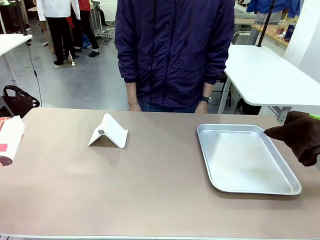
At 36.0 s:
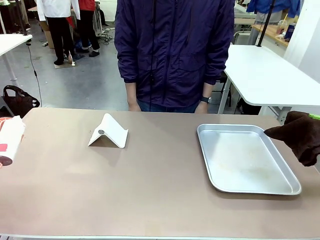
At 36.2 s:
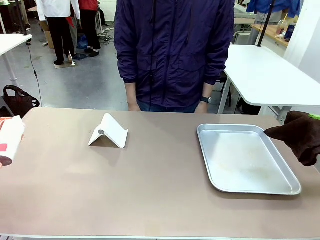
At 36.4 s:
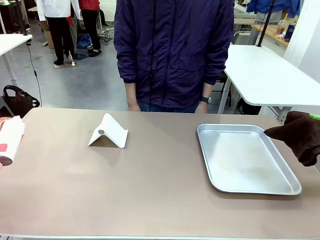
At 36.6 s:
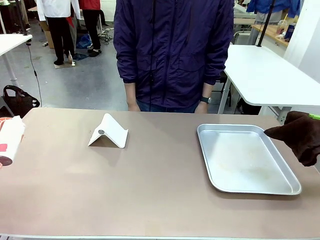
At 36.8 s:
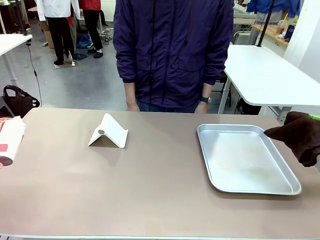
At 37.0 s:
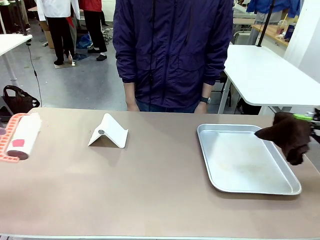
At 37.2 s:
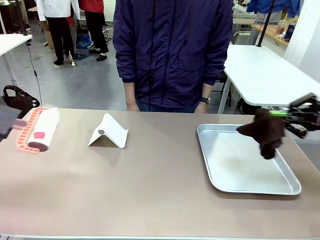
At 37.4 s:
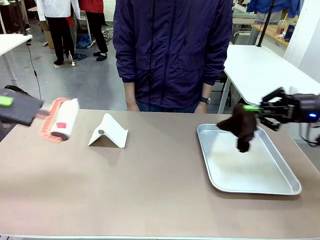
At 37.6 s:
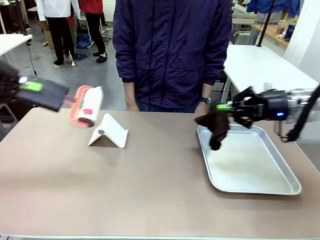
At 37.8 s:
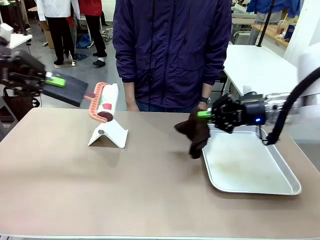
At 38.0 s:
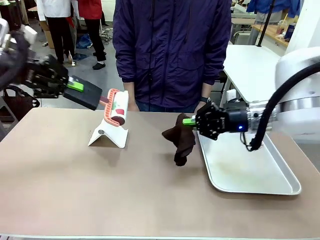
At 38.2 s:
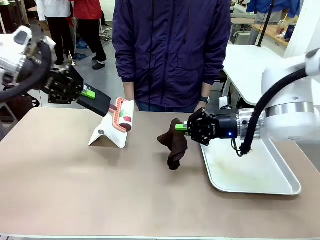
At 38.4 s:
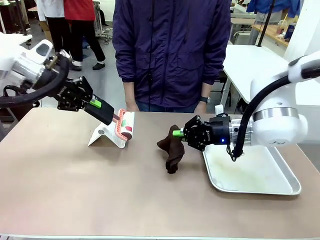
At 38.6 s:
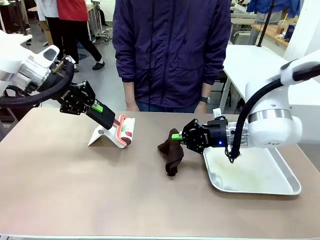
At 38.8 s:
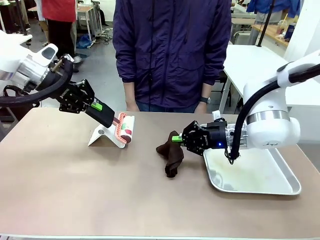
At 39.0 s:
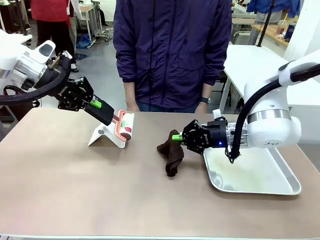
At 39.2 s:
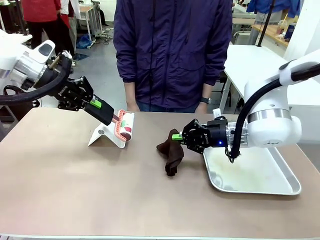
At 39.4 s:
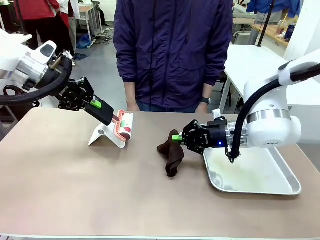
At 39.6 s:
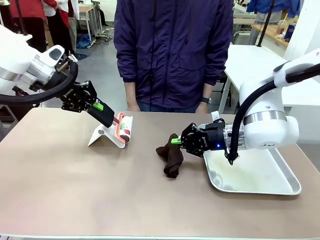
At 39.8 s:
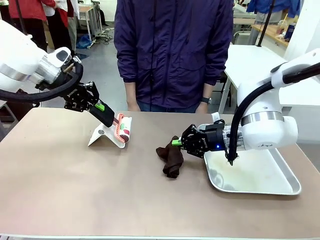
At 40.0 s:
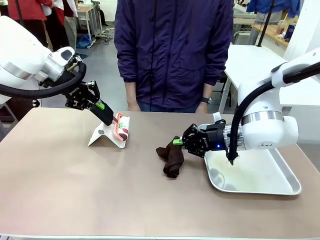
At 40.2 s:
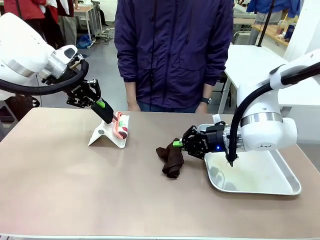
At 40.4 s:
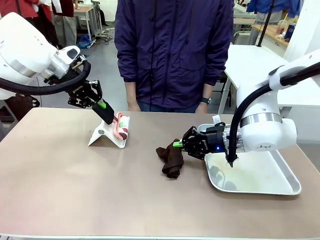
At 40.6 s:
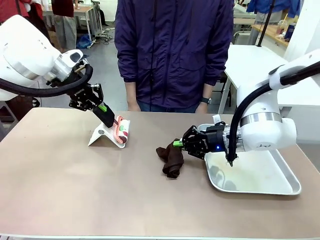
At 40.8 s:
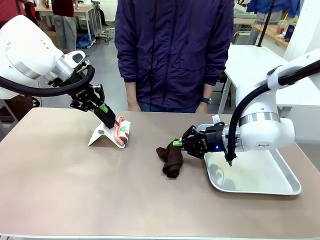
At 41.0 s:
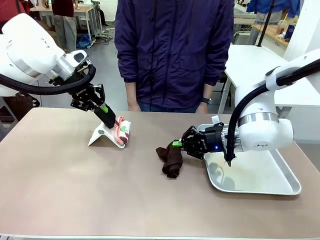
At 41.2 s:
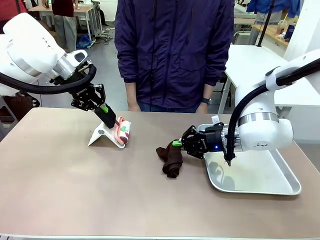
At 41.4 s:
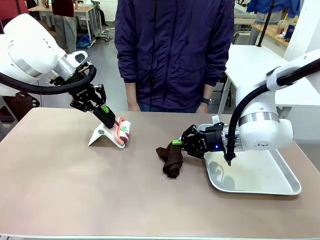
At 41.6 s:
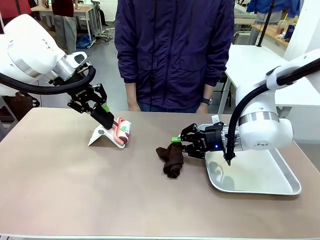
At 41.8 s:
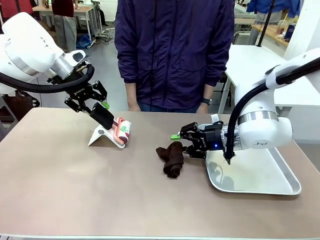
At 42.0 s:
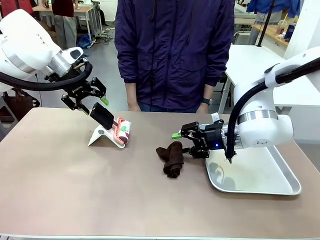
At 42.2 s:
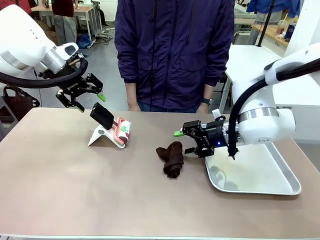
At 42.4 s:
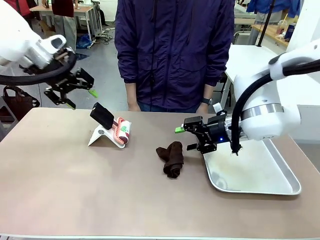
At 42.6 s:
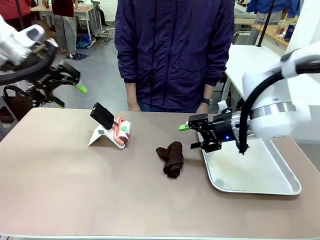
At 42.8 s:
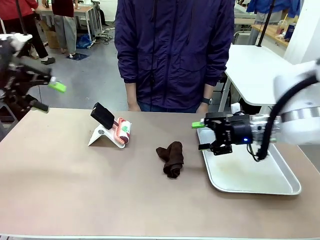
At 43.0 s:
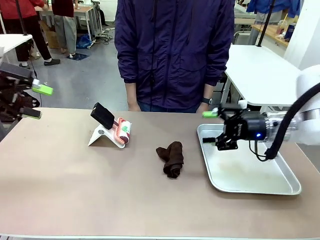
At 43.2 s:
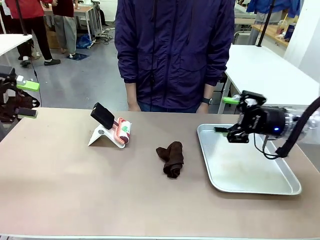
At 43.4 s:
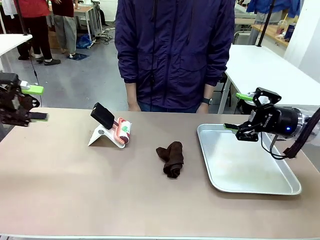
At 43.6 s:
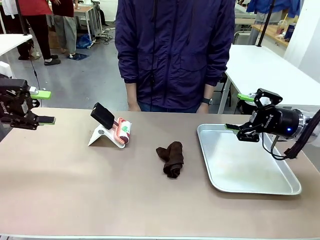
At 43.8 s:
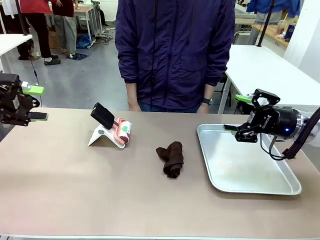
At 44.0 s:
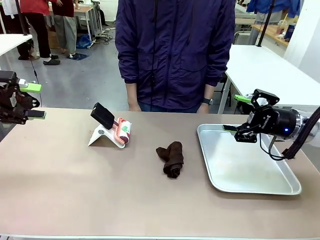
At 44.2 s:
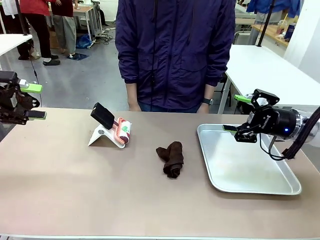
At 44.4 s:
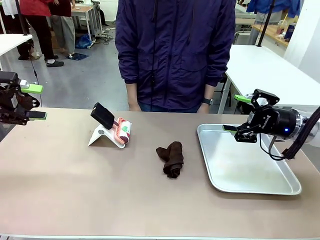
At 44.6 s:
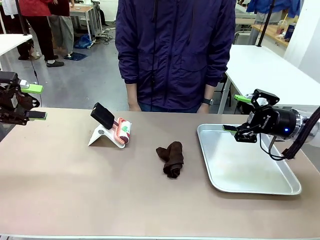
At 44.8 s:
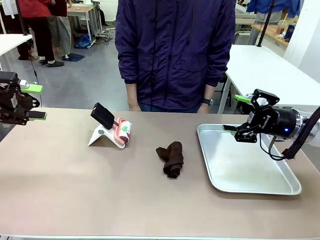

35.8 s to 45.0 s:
Task: Clean the surface of the table.
Robot: Return the Lint Roller and towel to their original positions.

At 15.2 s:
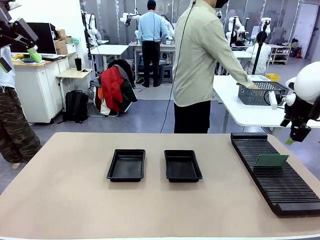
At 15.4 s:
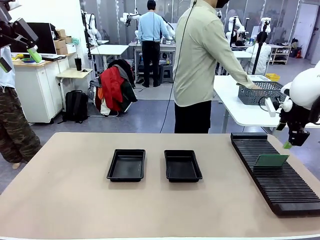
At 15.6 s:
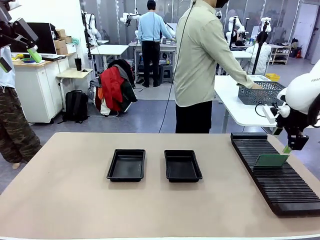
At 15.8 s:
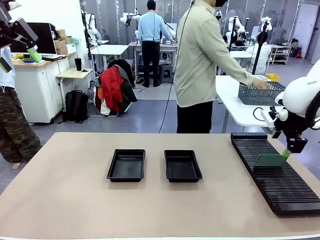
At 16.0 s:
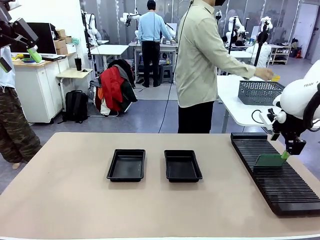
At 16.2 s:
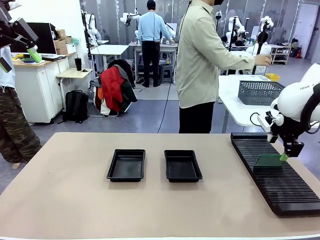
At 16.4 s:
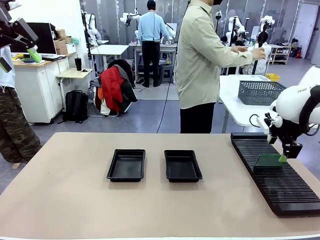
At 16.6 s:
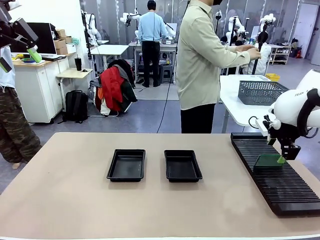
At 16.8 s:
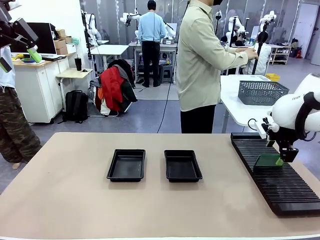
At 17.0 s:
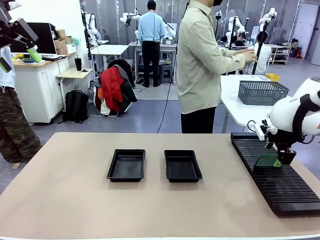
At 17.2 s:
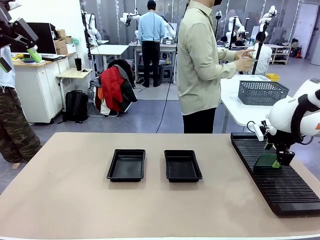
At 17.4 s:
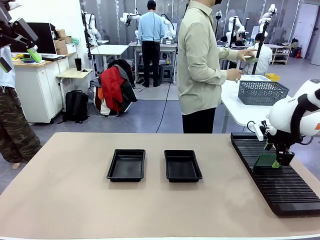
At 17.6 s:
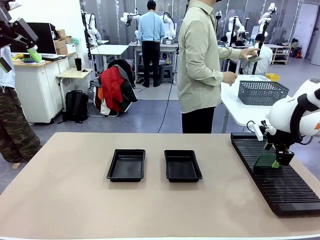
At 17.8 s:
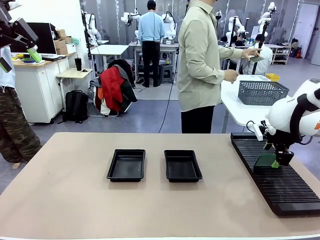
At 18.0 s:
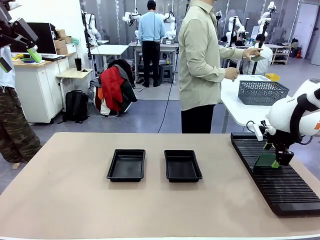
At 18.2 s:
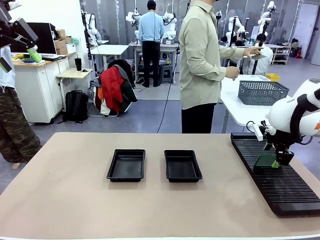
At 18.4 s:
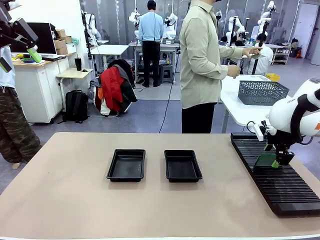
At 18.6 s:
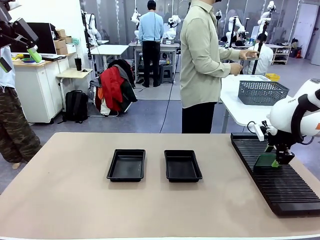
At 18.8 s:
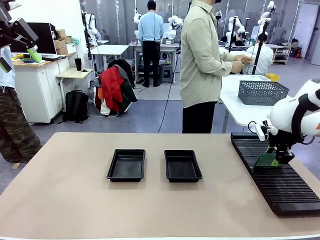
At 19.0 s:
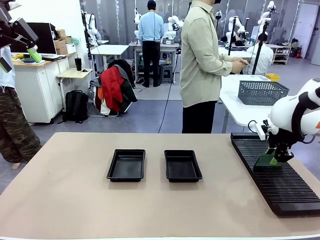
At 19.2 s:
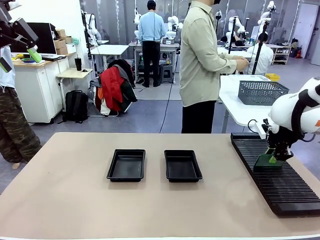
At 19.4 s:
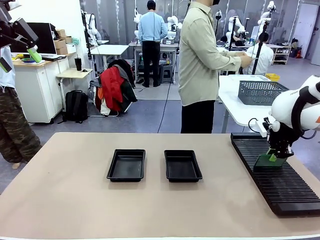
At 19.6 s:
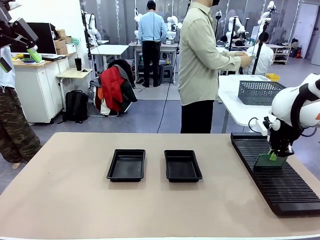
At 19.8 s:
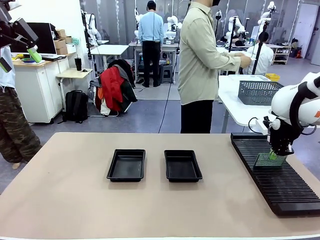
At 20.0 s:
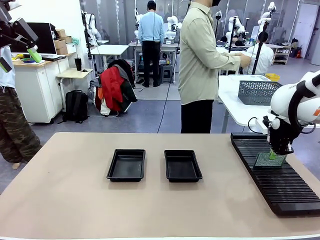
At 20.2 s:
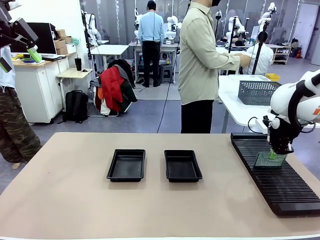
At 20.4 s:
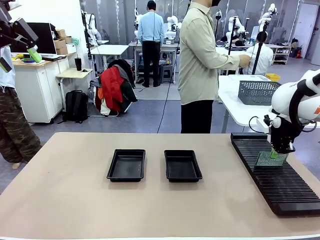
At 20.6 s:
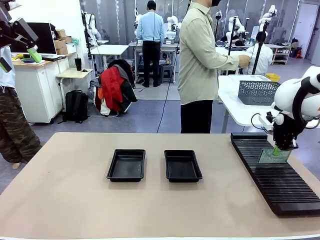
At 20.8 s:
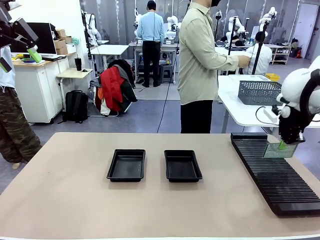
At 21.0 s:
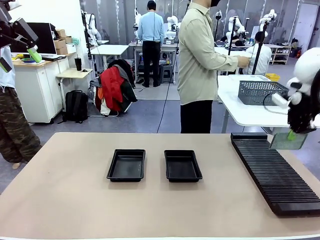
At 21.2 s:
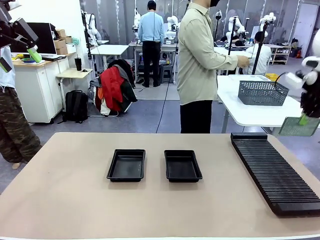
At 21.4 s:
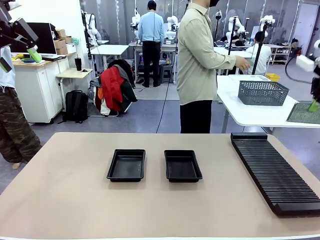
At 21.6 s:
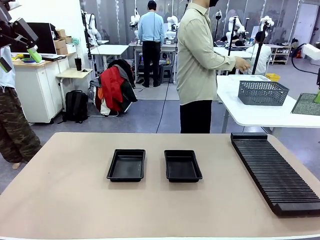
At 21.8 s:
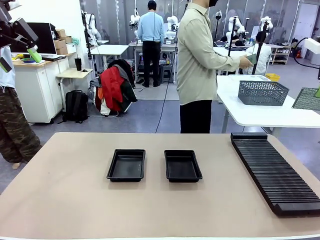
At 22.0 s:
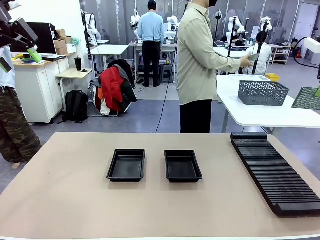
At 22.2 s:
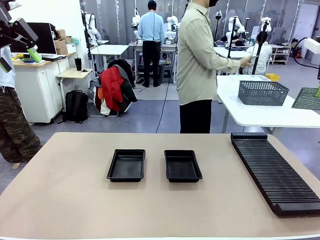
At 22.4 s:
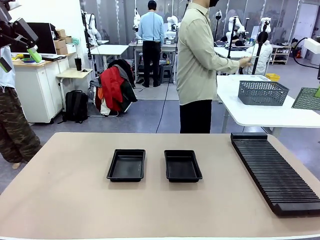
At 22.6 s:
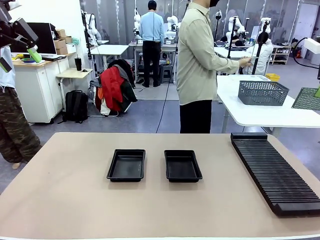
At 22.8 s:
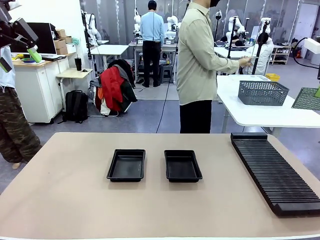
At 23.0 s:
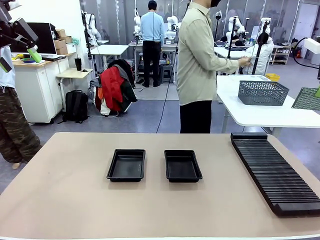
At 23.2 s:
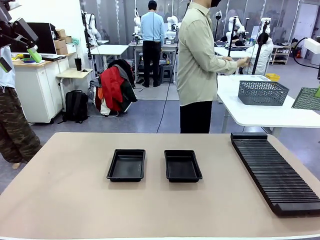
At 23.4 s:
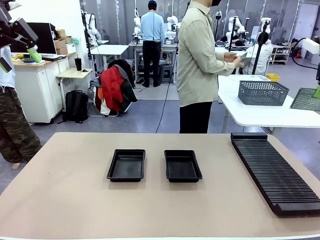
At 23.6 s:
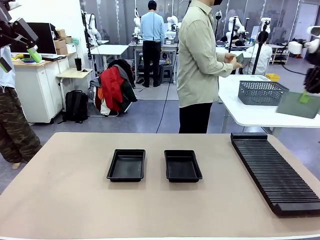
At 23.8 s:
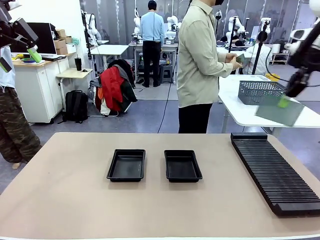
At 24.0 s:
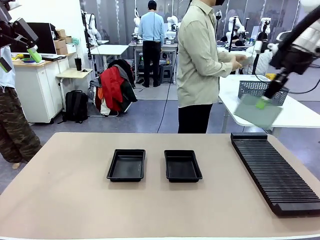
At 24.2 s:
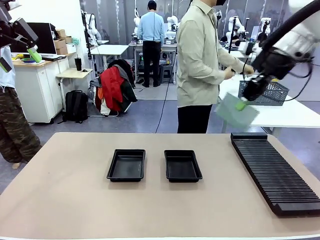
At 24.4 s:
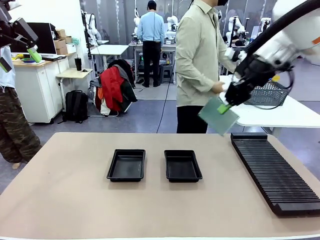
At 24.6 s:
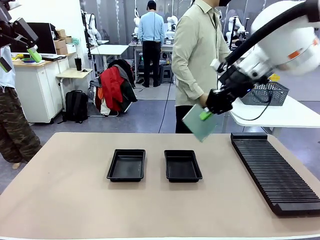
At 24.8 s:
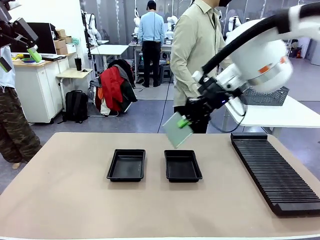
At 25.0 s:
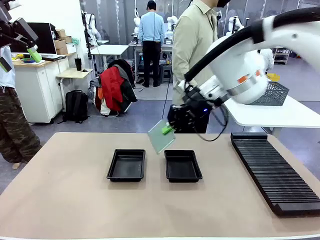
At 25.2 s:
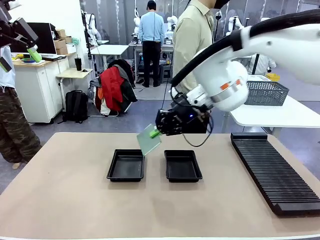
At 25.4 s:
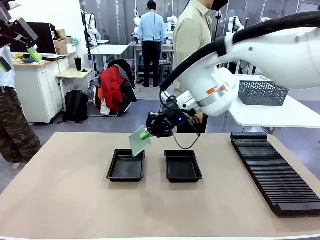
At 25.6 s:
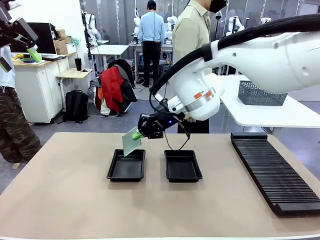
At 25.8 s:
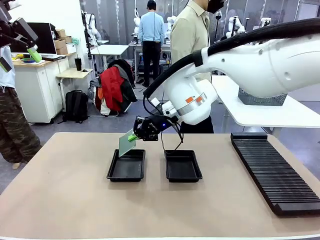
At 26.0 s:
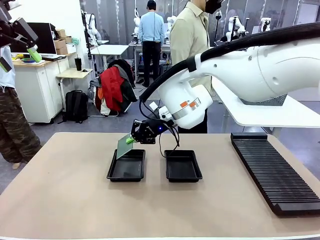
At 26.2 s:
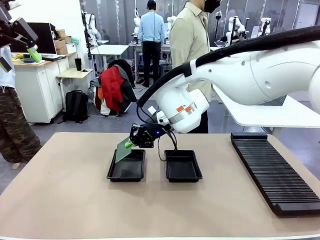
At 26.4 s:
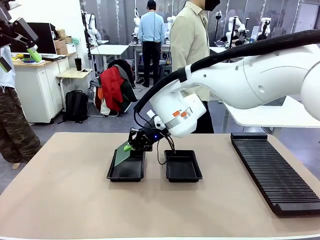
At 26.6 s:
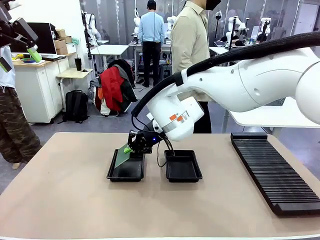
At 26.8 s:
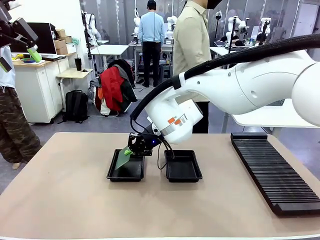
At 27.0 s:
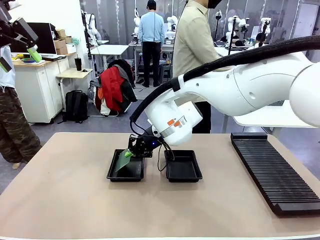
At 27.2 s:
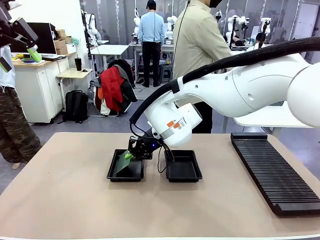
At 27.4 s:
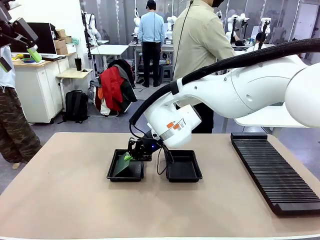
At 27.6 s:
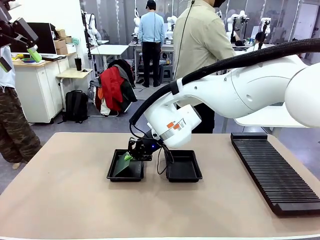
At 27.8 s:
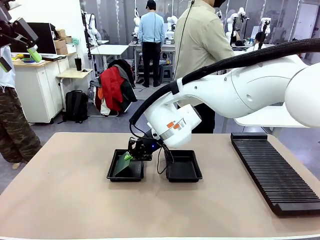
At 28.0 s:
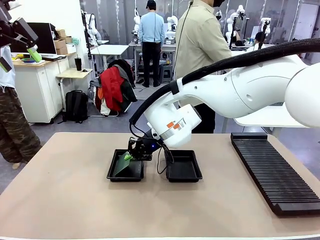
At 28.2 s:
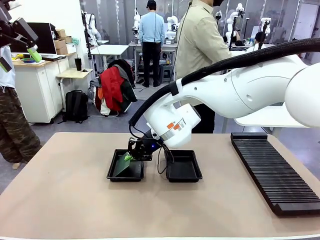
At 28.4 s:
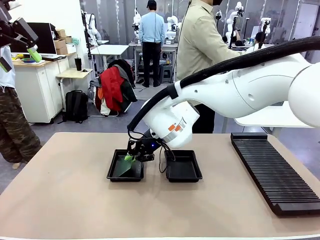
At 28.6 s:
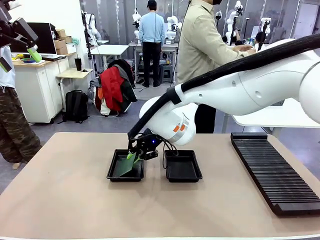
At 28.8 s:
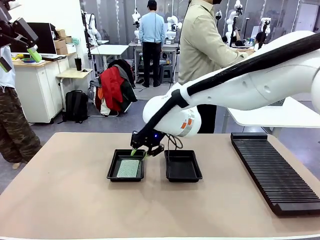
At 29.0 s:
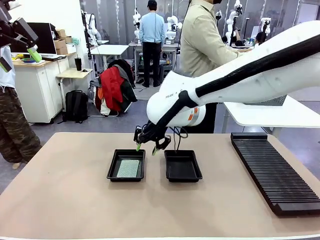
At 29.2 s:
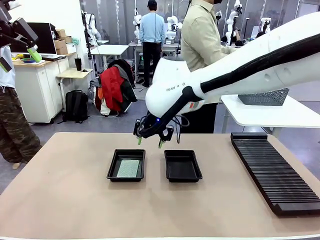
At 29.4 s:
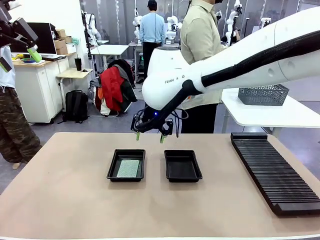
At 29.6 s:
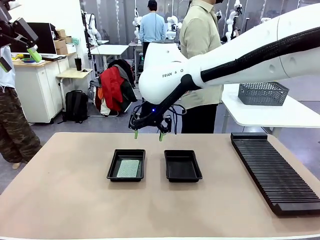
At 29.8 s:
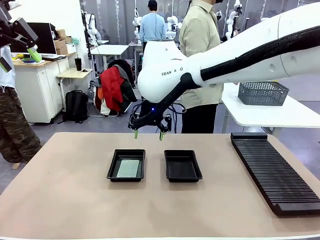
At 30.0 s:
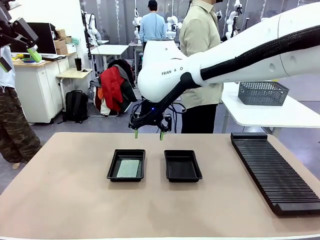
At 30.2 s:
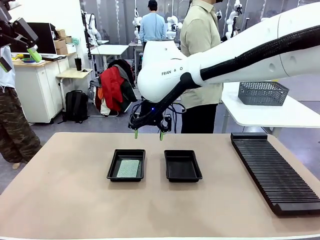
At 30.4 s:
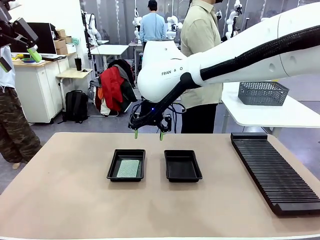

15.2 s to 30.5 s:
Task: Inspect and transfer BCBs to ESD trays.
Robot: Pick up the Blank PCB from the PCB Rack and place it in the left ESD tray.
